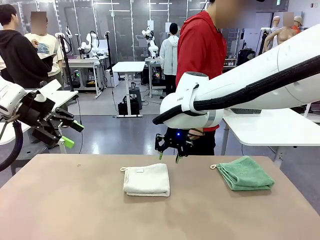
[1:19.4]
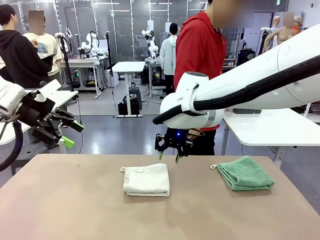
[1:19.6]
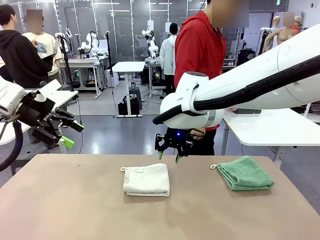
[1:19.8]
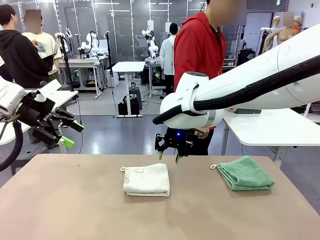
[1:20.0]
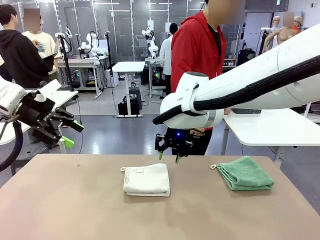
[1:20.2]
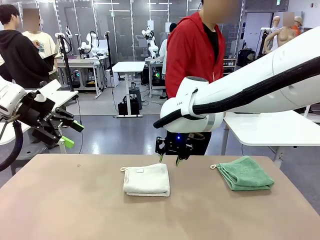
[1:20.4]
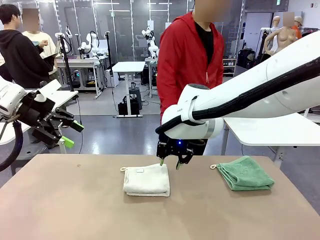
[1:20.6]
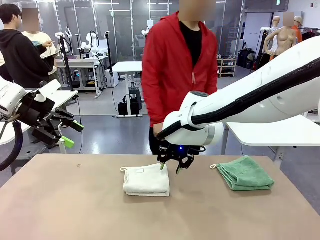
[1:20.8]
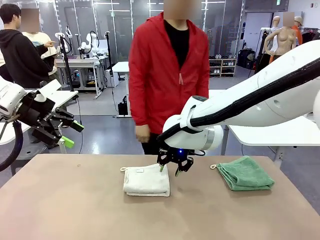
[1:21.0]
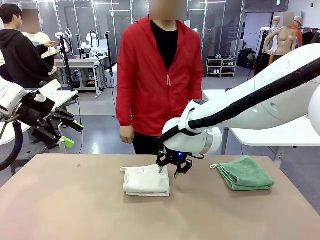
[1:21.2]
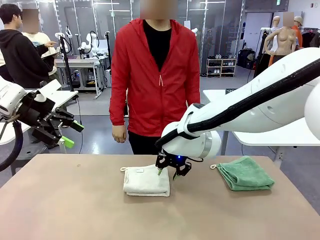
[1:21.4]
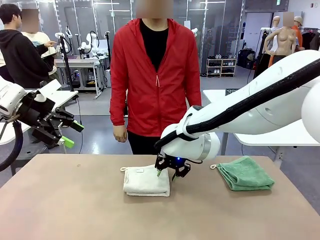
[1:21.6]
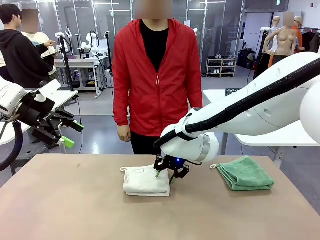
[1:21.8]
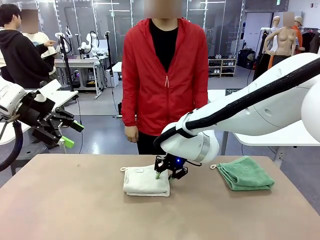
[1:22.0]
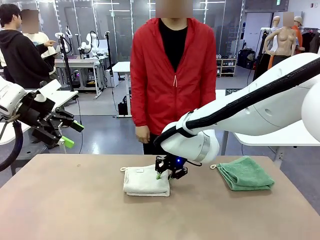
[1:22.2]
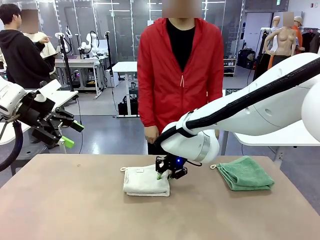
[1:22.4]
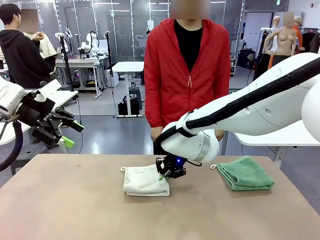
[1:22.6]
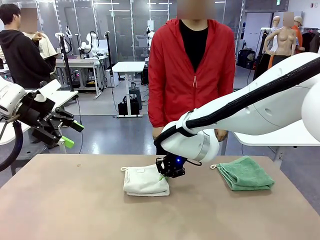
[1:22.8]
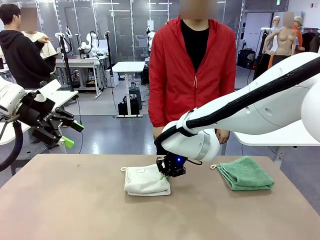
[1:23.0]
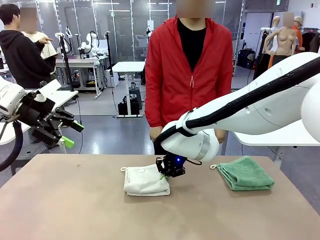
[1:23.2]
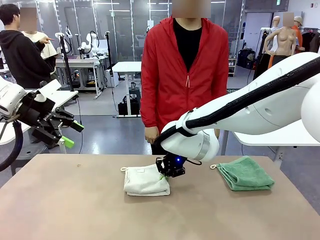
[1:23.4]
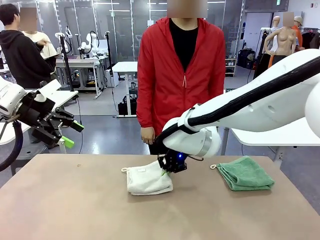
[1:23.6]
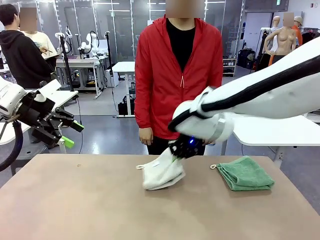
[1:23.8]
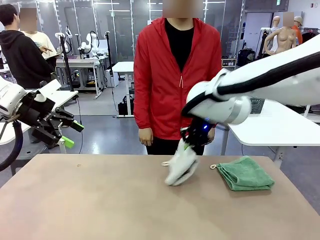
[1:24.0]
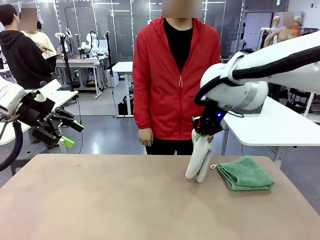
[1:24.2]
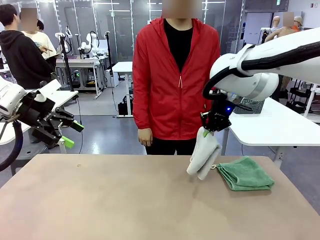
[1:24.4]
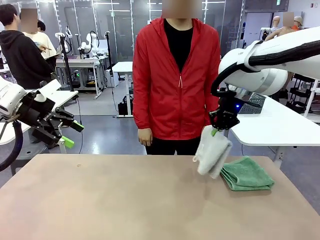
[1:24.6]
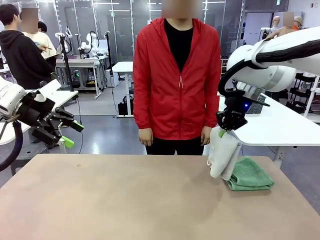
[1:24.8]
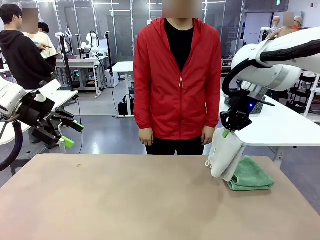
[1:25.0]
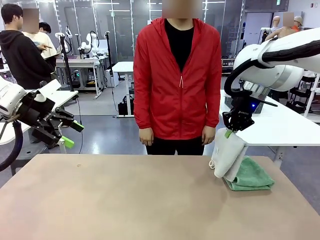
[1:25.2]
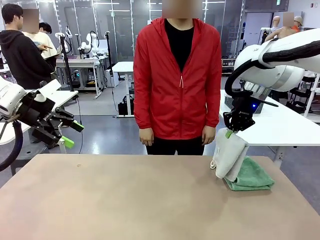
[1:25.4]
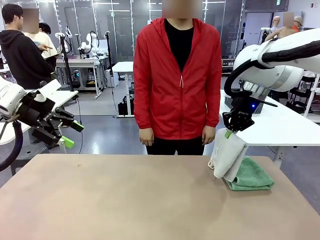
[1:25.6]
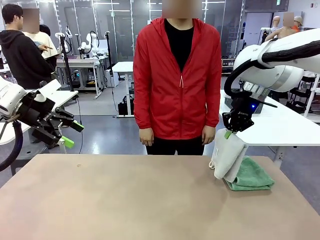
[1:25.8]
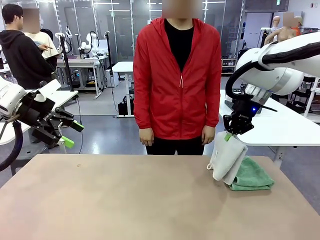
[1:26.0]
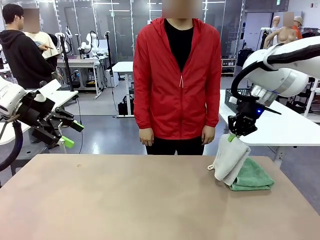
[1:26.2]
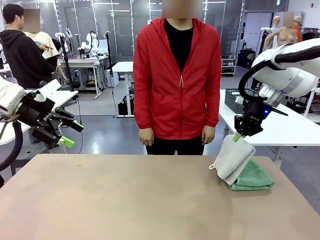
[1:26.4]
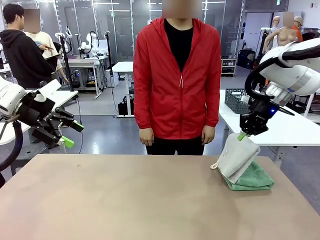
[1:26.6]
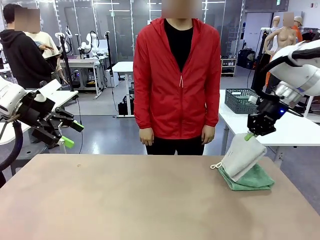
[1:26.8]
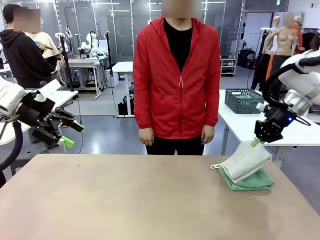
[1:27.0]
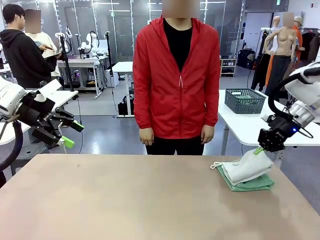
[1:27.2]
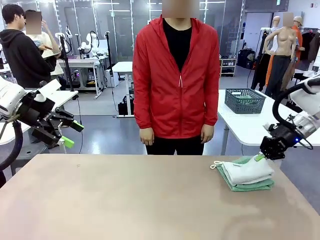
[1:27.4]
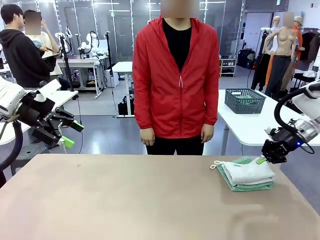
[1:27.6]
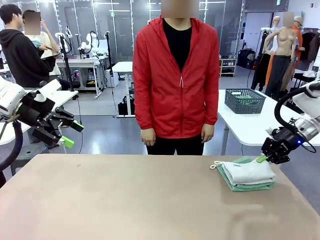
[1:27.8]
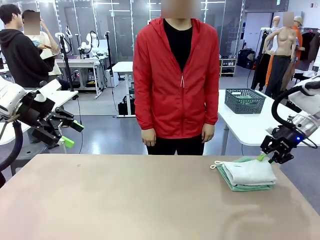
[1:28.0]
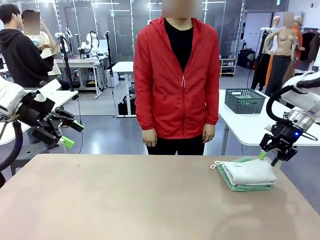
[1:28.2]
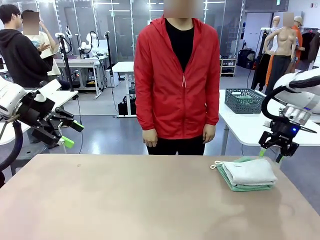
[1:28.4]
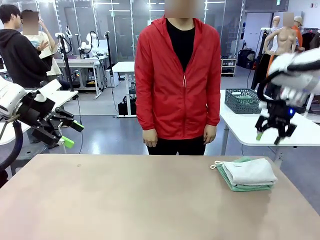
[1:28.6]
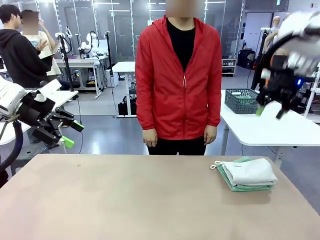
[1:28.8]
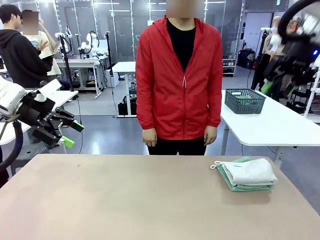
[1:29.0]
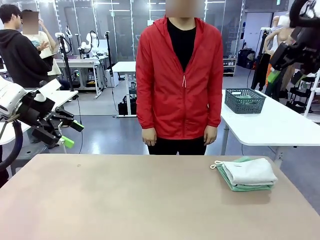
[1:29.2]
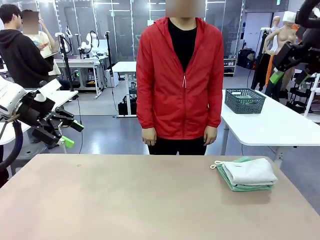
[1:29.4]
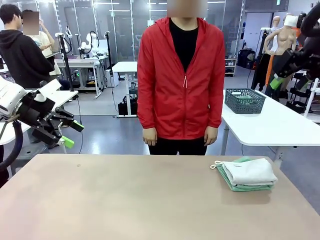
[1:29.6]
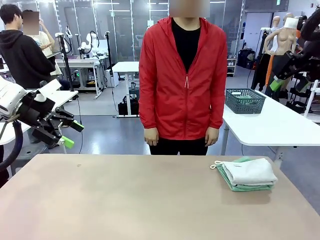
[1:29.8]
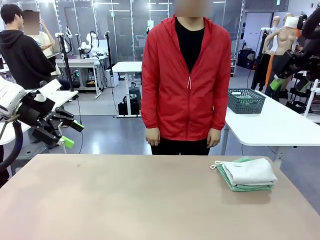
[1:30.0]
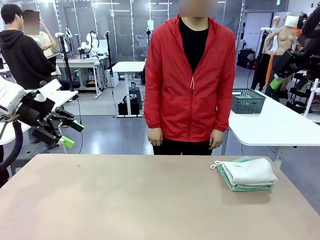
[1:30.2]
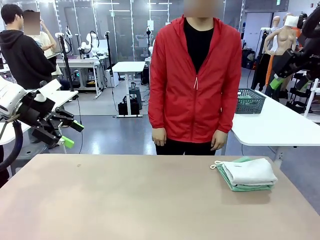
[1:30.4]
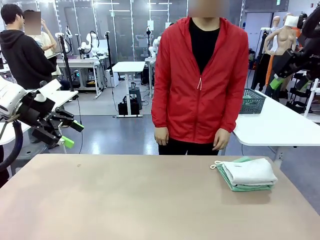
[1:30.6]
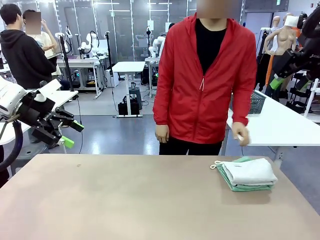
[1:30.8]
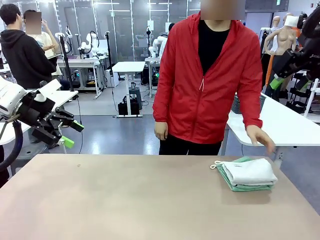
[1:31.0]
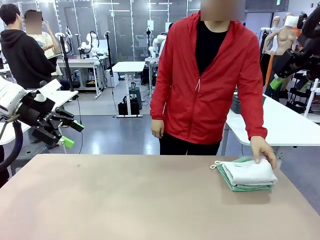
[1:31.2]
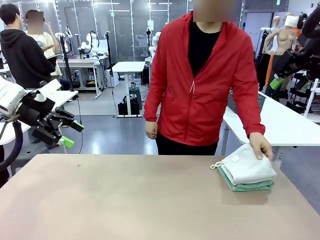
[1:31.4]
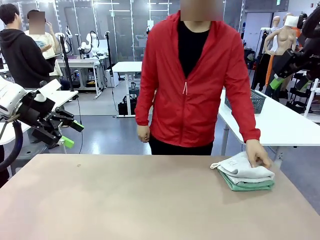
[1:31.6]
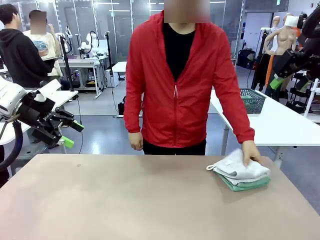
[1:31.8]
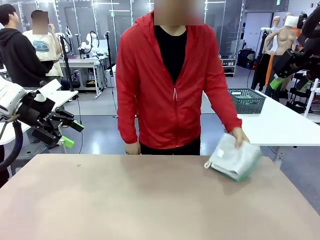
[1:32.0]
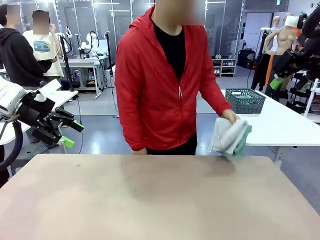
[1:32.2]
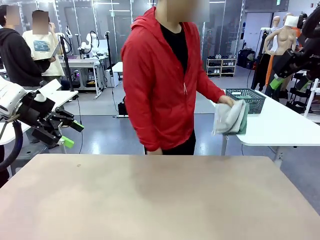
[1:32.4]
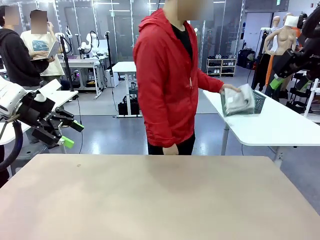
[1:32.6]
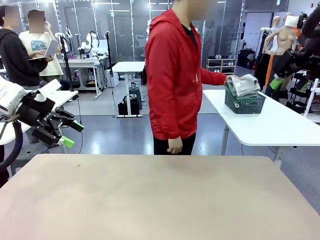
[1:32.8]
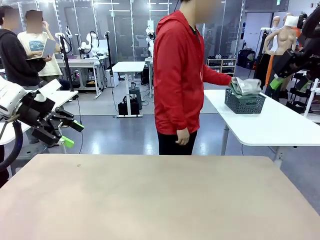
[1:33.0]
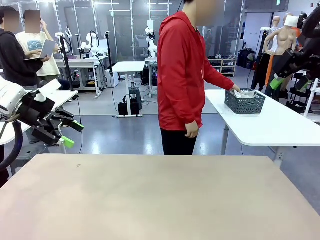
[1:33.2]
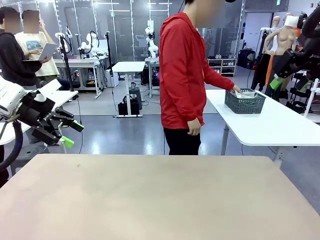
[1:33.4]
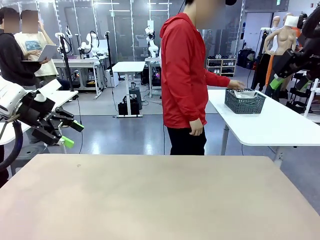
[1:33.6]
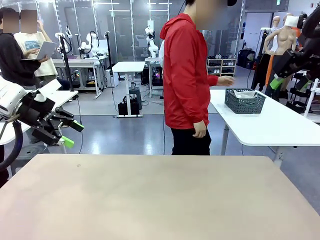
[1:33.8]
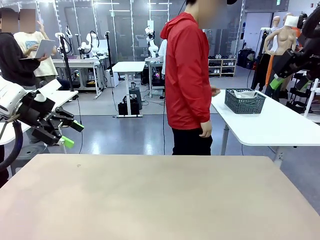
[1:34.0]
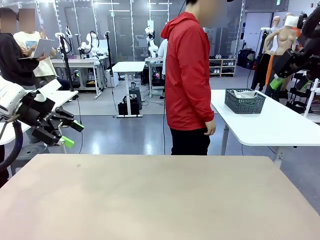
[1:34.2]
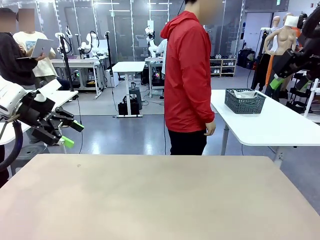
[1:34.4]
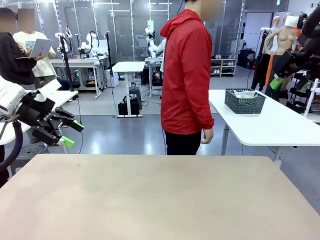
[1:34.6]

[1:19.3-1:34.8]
Task: Fold the towels and place them in the basket.
Robot: Stack the folded Towel with hook on the right side of the table.
Person: Pick up the stack of towels from the robot table and place it into the basket.
